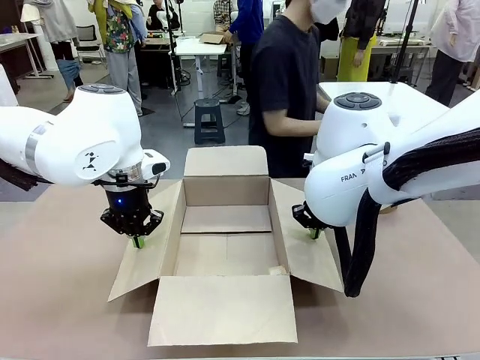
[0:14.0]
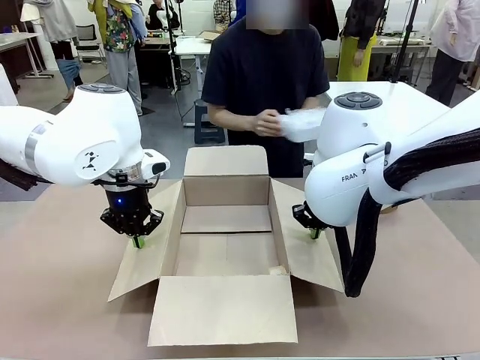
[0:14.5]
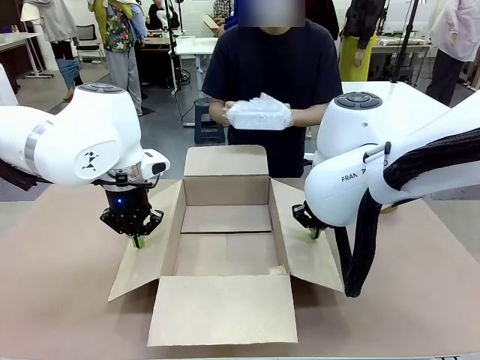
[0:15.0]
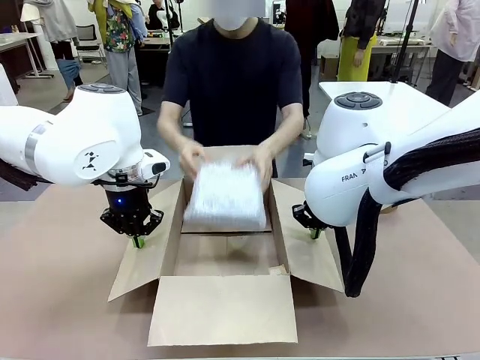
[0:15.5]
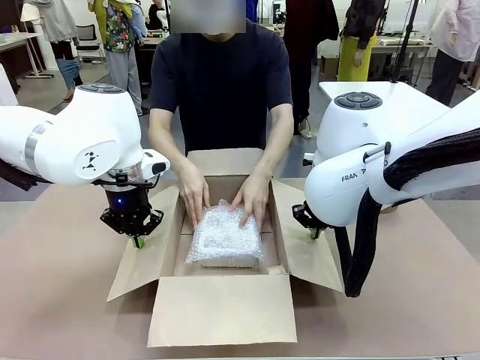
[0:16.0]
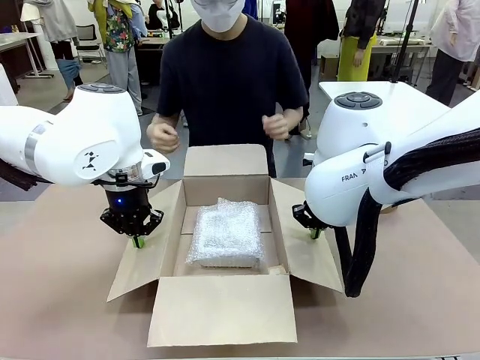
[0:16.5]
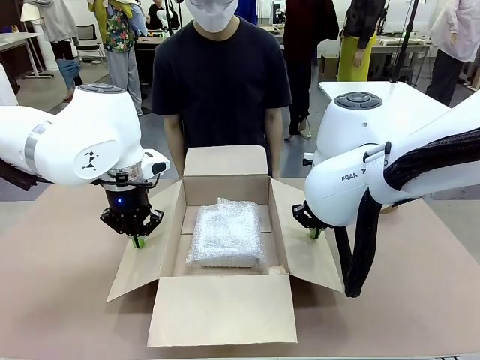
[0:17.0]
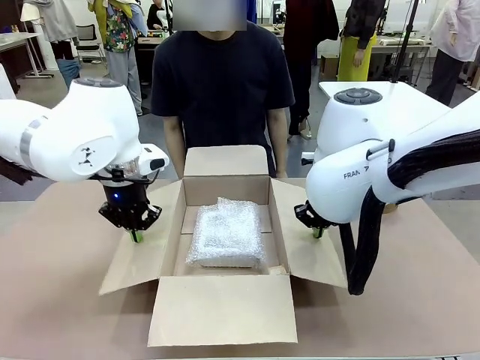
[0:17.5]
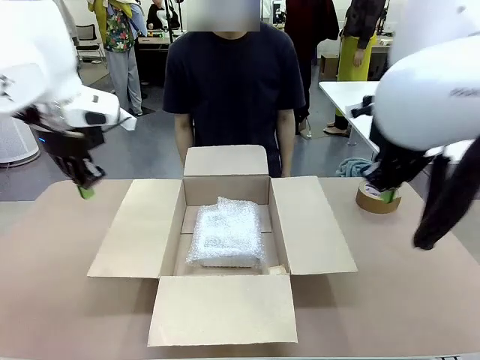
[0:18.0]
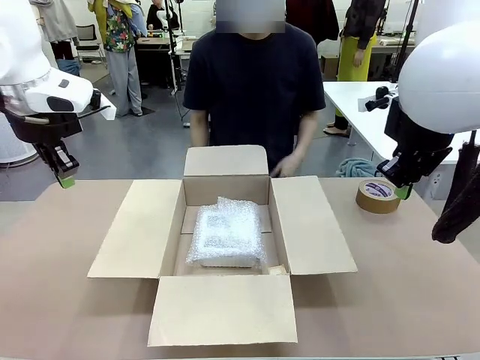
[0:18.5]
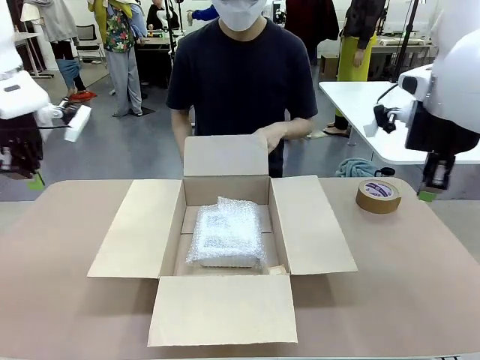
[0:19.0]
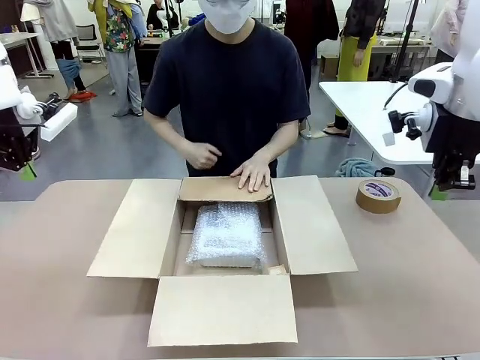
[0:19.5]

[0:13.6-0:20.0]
Task: Wrap the clocks to prevent damage.
Robot: Once the human has placed the objects inside and stepped back, release both hands from the side flaps of the Package Box.
Person: Place the wrapped Digital clocks inside the Package Box. Hold the top and bottom flaps of the Package Box closed with your left (or right) hand.

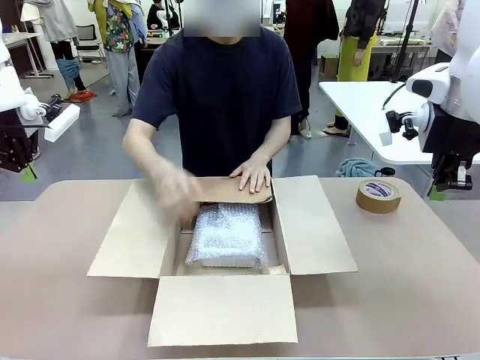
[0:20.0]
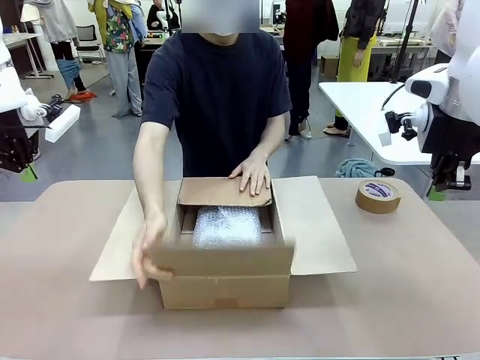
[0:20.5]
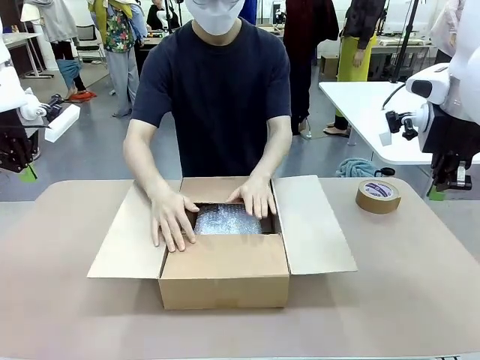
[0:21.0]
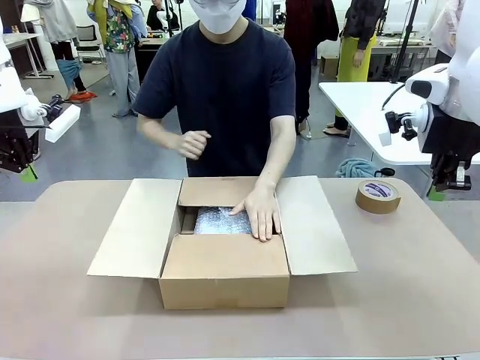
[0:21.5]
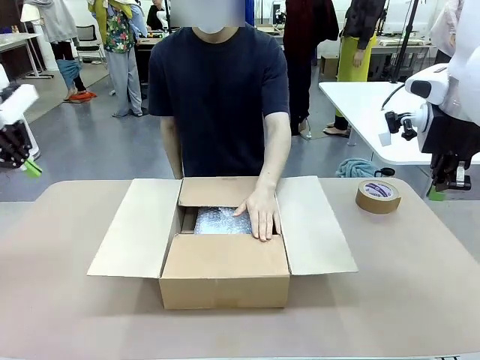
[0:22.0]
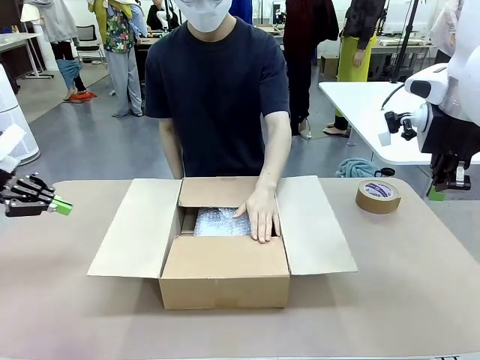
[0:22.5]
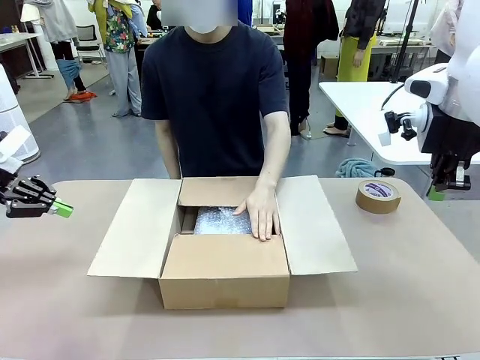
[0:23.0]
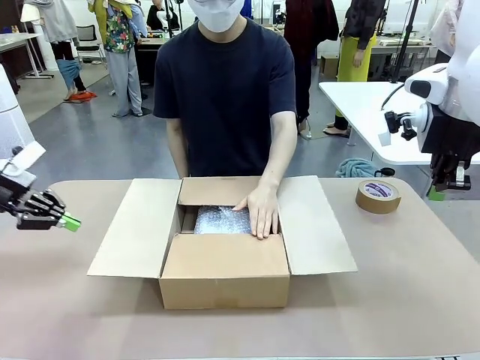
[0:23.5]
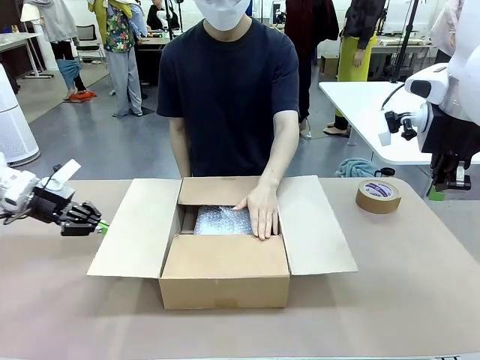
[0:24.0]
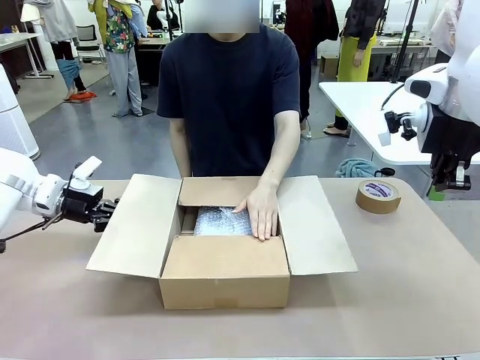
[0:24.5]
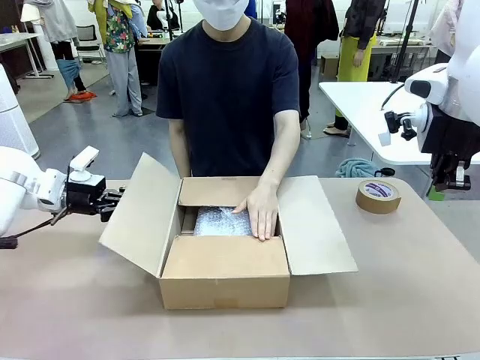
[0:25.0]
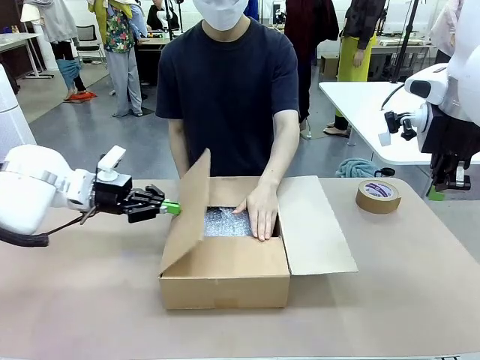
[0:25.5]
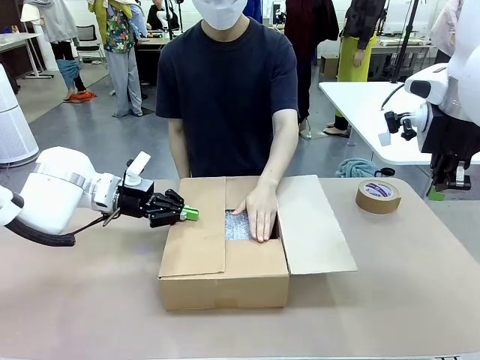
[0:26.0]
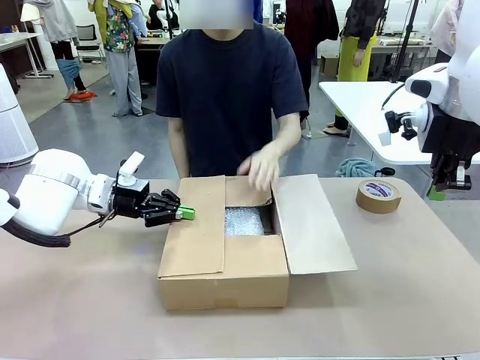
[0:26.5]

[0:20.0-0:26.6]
Robot: Push the right (or left) flap of the Package Box to close it.
Person: Once the robot closes the right flap of the Package Box , release your left hand from the box.

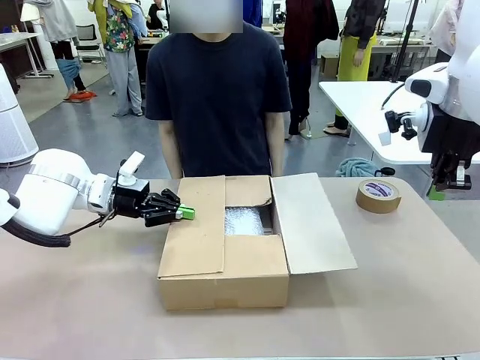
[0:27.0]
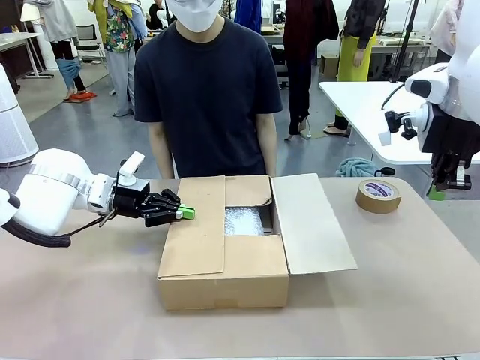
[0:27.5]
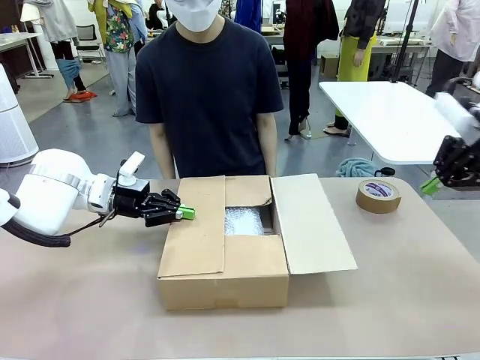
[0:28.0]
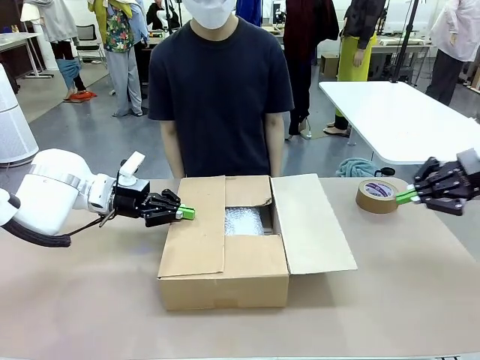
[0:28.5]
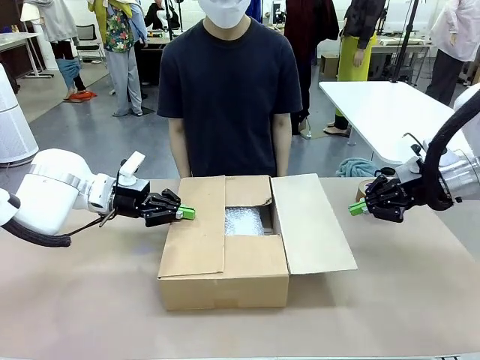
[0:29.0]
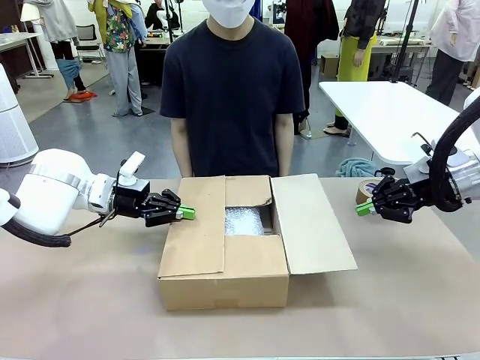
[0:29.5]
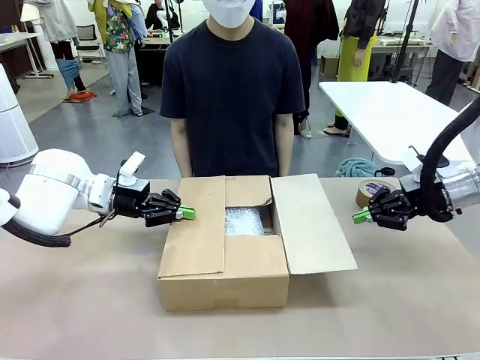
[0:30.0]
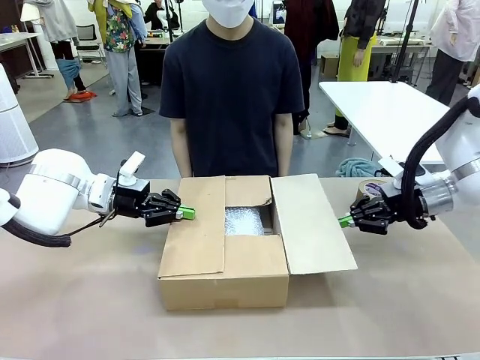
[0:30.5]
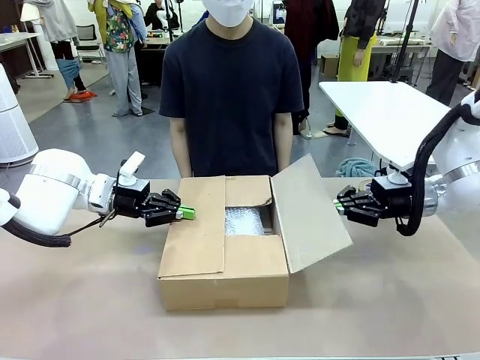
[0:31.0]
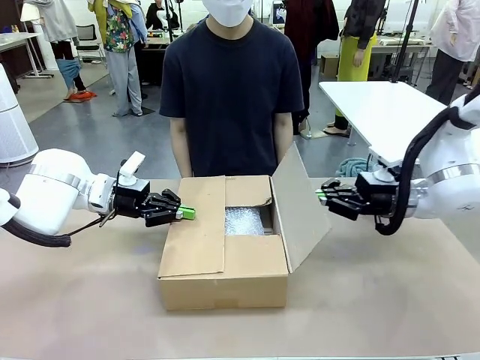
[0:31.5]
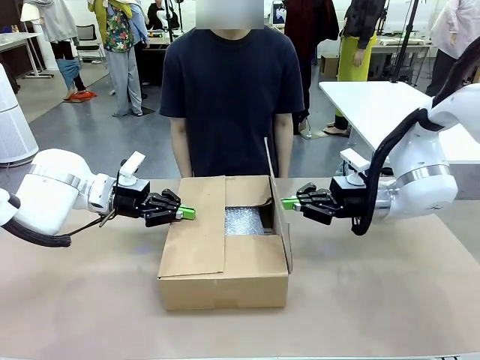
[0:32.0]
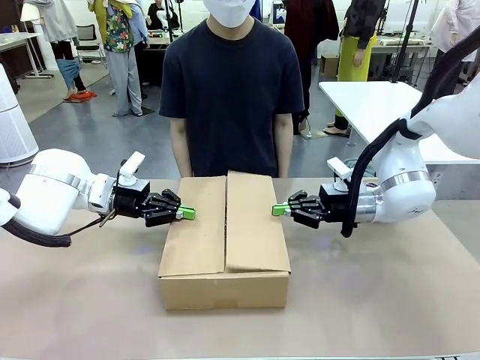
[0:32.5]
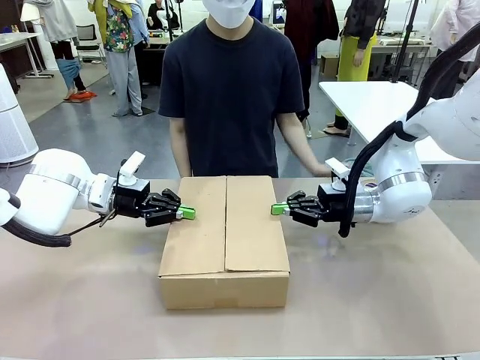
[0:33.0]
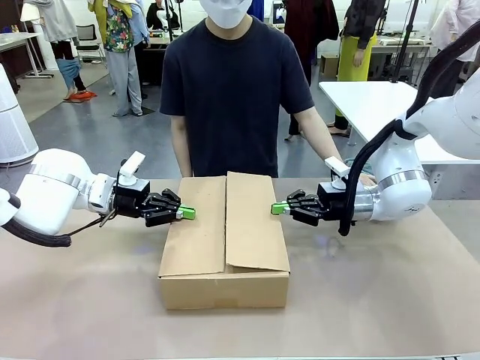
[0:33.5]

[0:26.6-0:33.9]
Robot: Push the left (or right) flap of the Package Box to close it.

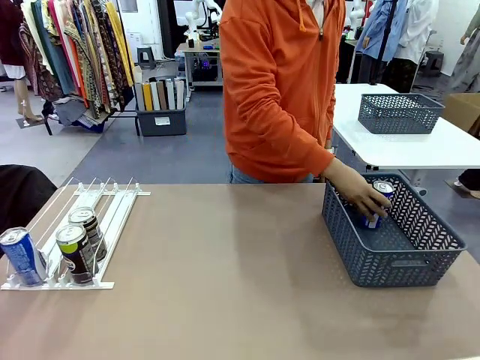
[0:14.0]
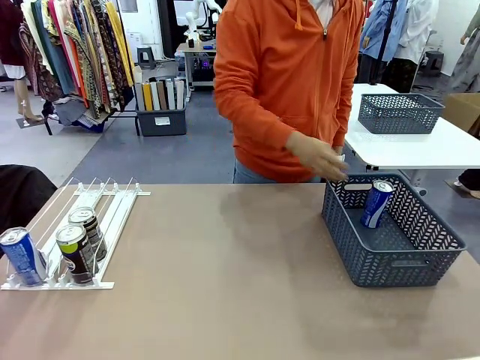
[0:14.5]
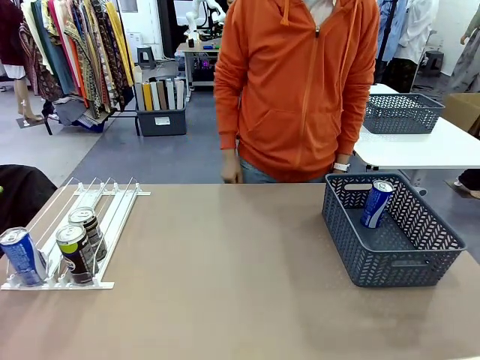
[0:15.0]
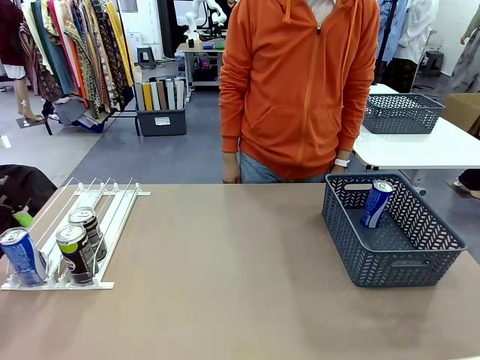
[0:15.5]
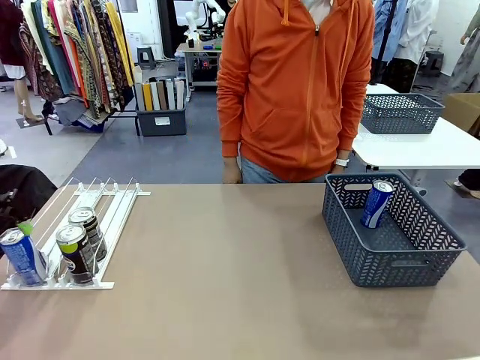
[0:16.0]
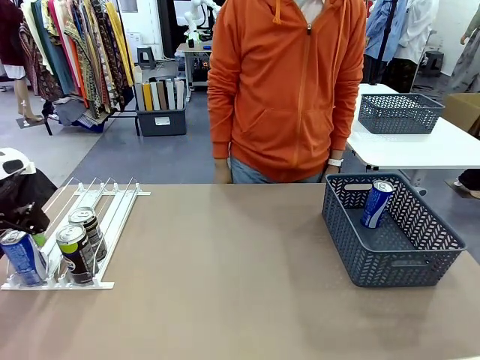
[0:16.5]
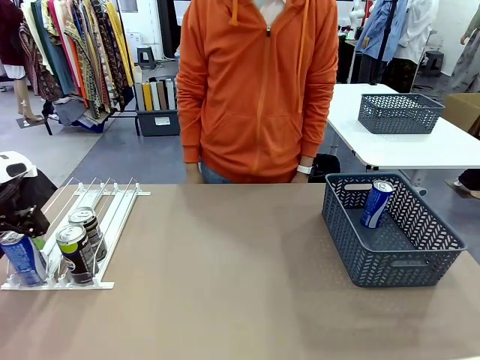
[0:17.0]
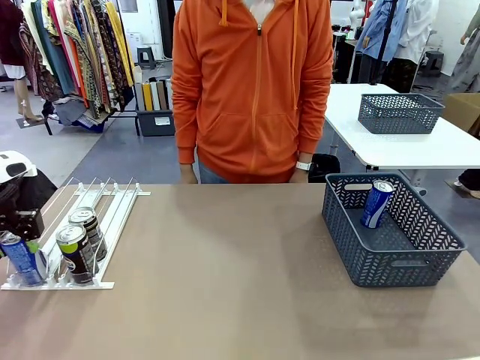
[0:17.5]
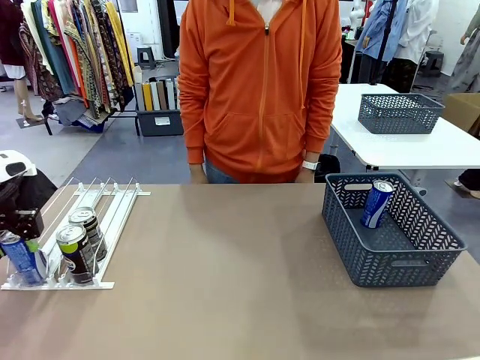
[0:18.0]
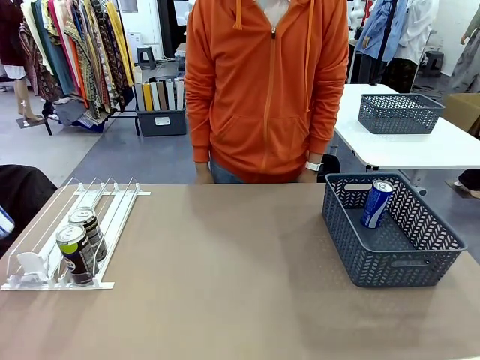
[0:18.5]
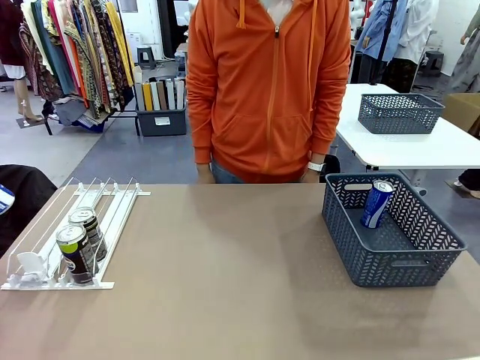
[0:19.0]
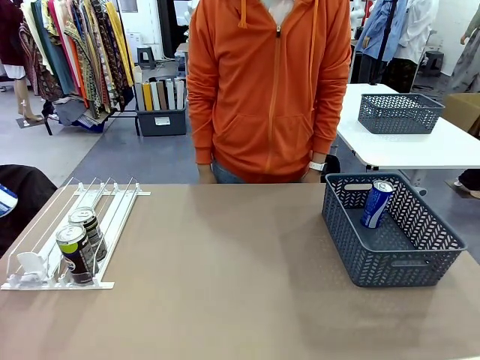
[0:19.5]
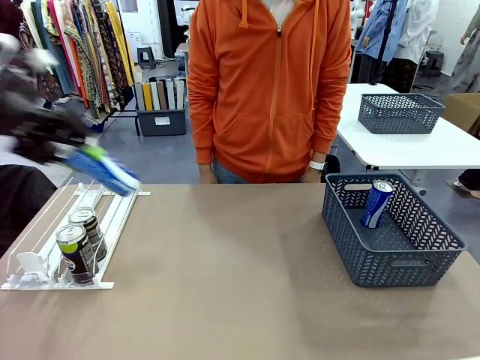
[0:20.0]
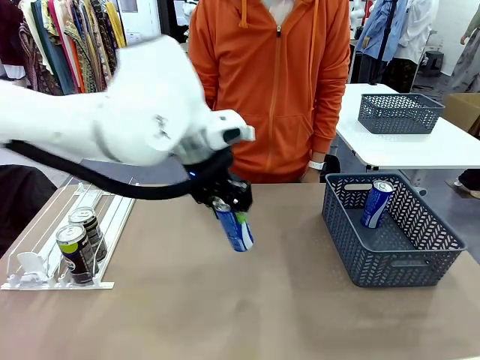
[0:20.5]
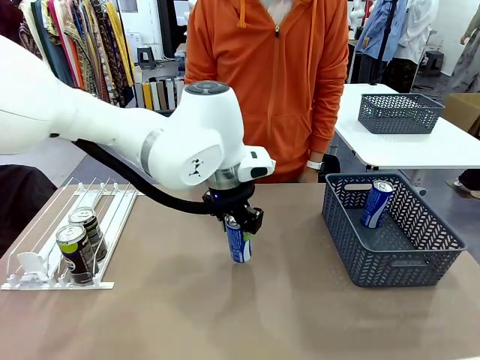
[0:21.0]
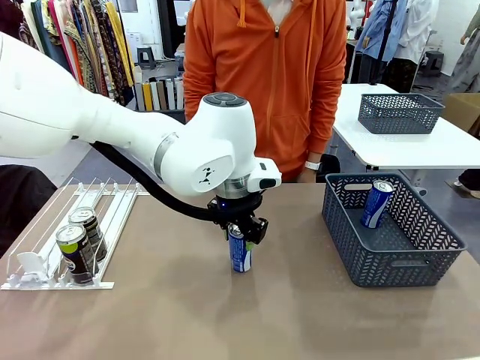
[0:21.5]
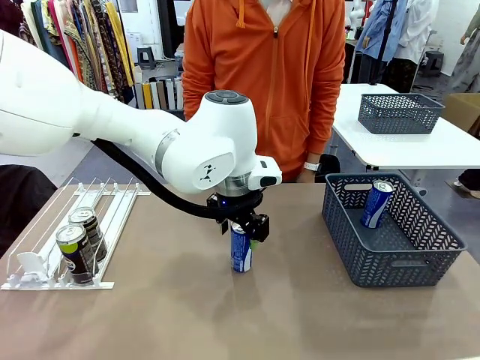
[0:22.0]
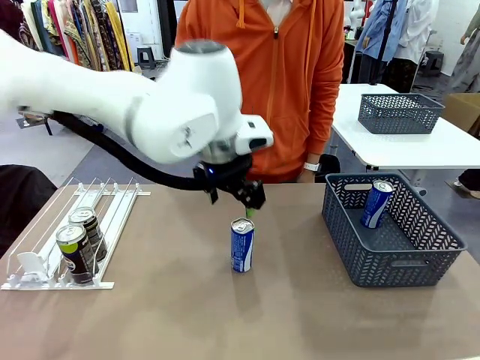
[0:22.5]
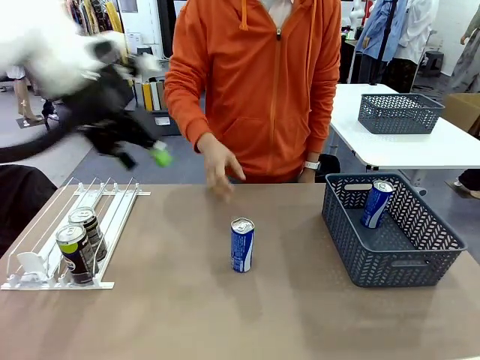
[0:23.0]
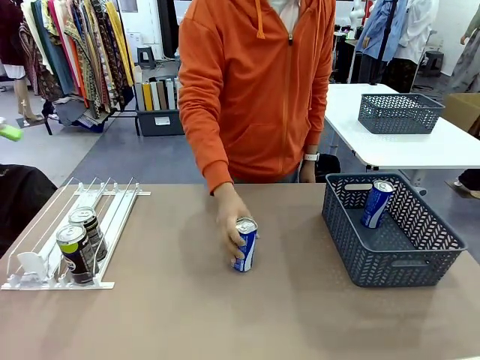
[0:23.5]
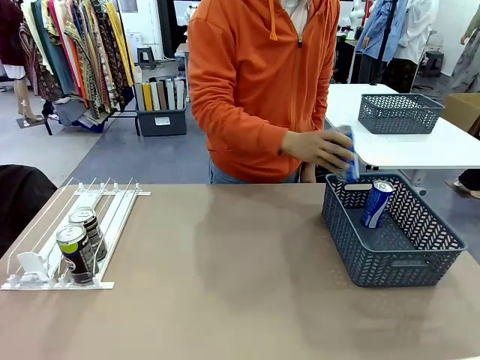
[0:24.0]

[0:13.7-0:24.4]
Task: Retrieve and store the cans from the dispenser.
Robot: Pick up the last remaining can from one row of the Automatic Can Dispenser and place it in the middle of the table.
Person: Pick up one Pepsi can from the middle of the robot table and place it in the basket.
